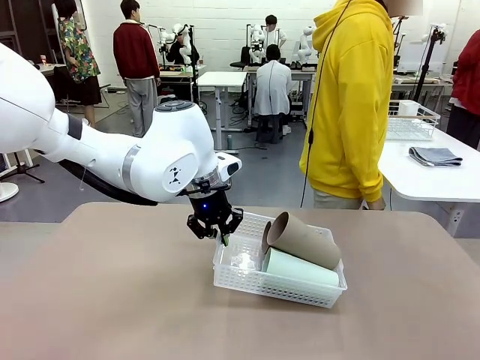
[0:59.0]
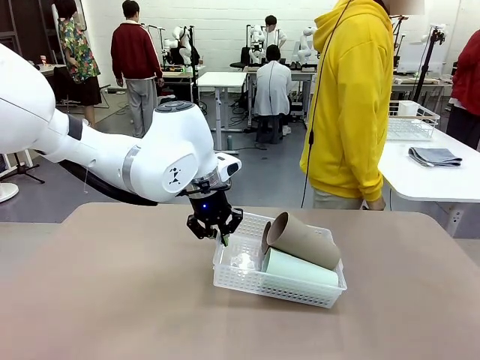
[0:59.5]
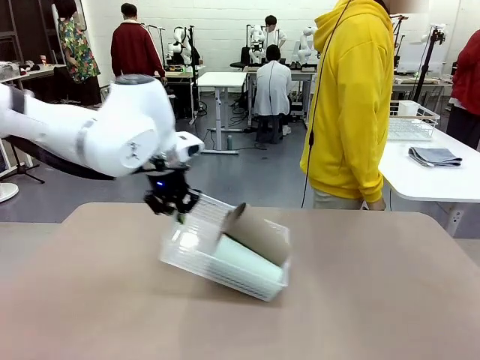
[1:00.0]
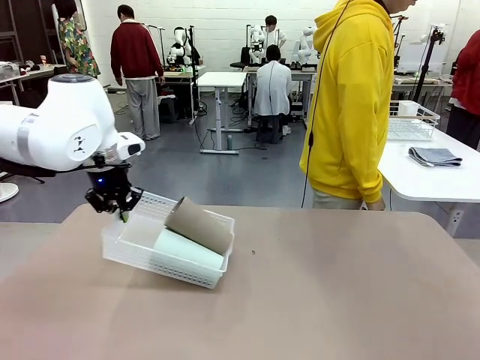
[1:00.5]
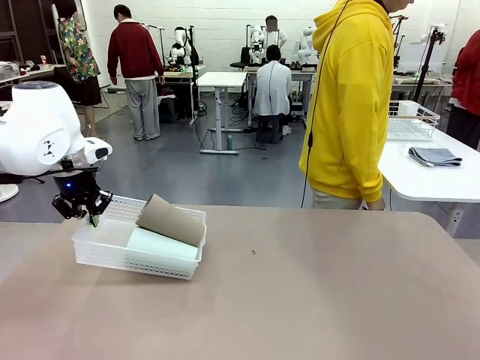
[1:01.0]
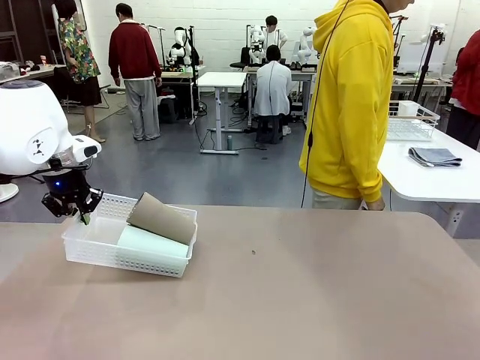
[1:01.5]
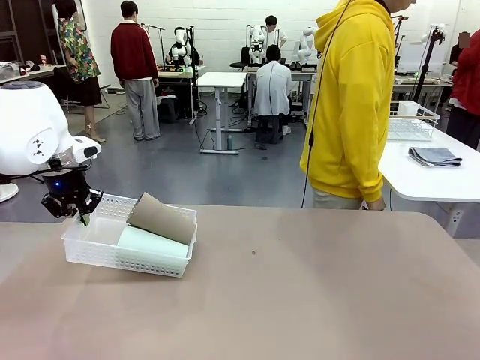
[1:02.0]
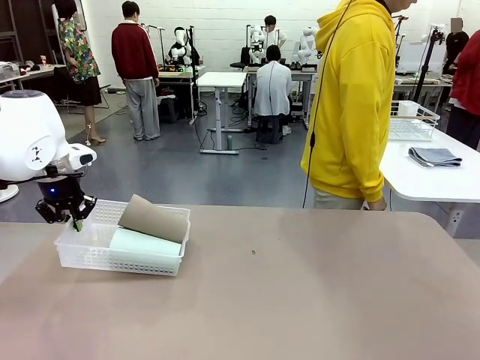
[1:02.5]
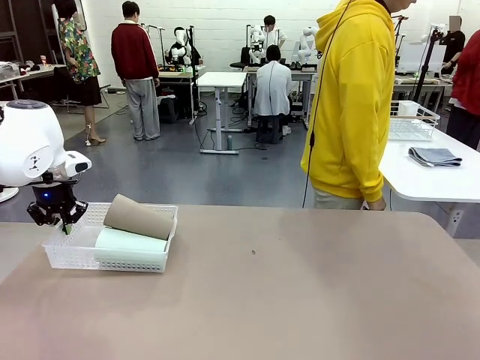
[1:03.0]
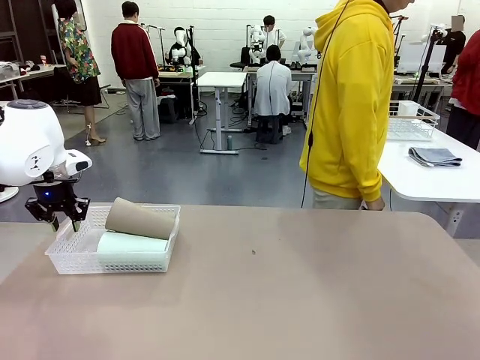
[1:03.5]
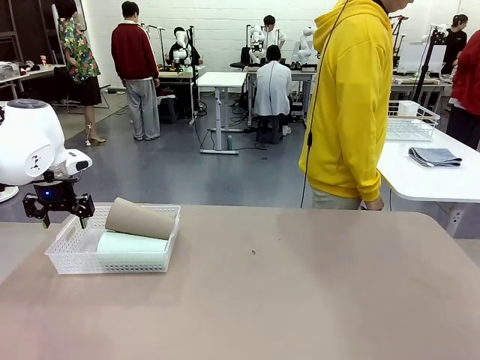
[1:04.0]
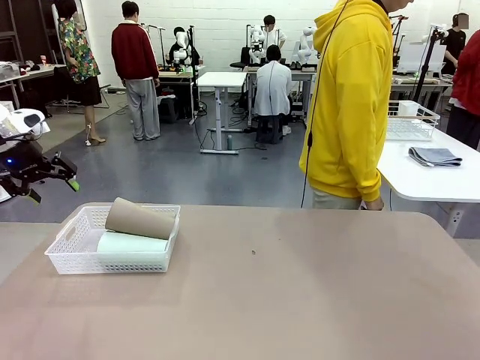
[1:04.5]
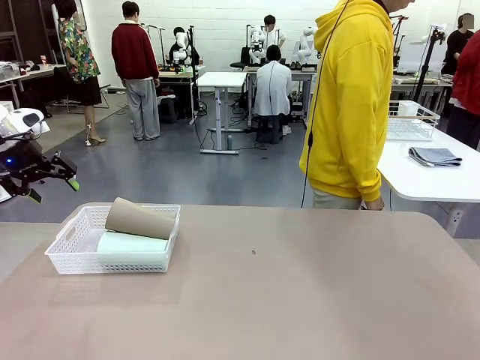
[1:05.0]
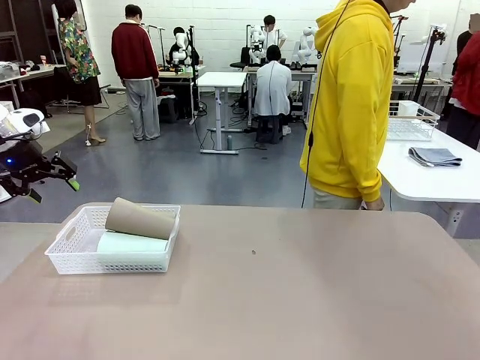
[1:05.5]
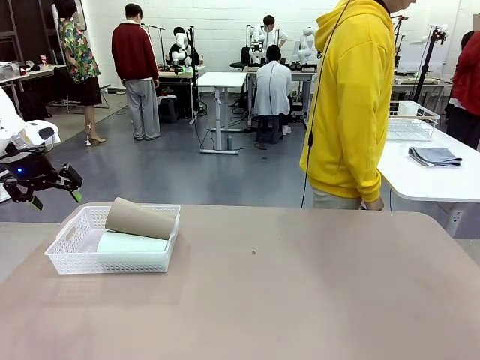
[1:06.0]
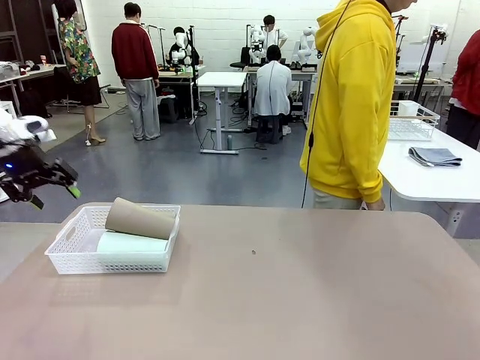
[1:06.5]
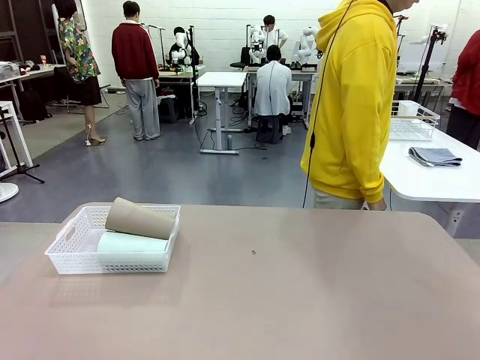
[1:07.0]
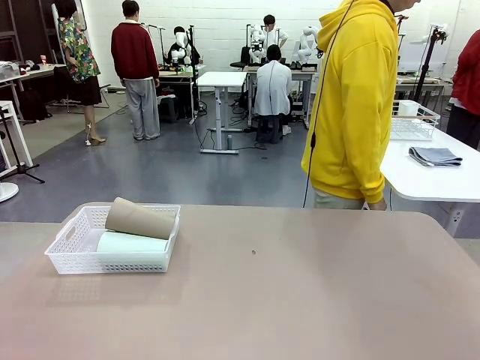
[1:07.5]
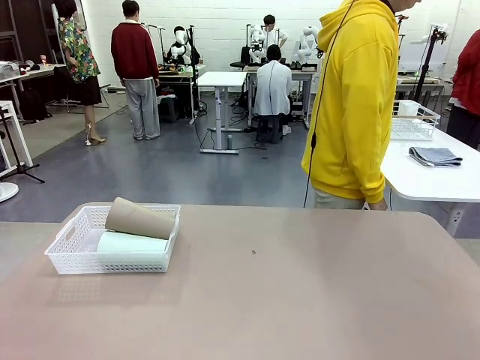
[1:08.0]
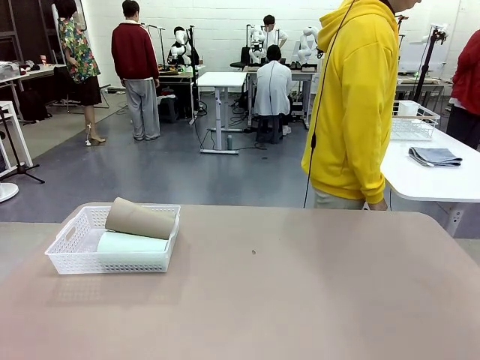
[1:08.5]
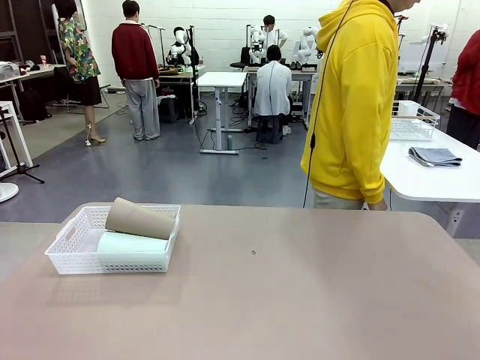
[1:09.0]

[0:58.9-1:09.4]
Task: Clean and organize the cups into the basket.
Robot: Move the Organizing basket back to the left side of the table.
